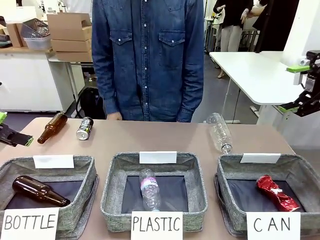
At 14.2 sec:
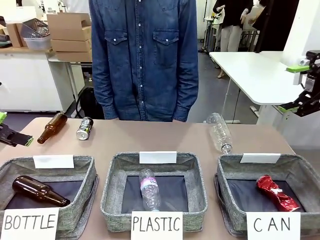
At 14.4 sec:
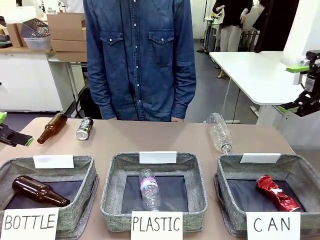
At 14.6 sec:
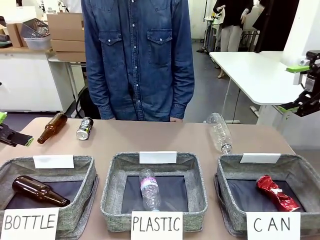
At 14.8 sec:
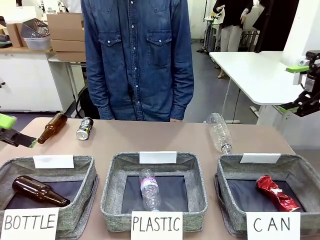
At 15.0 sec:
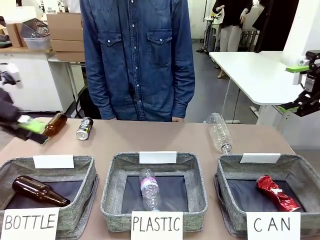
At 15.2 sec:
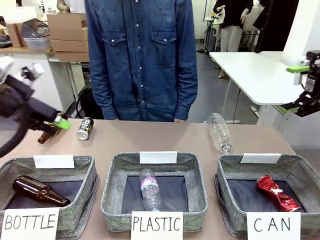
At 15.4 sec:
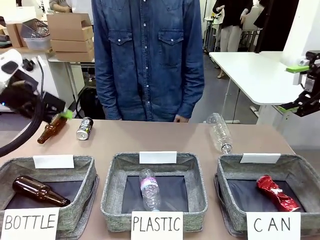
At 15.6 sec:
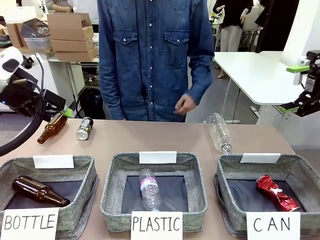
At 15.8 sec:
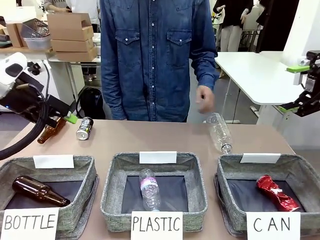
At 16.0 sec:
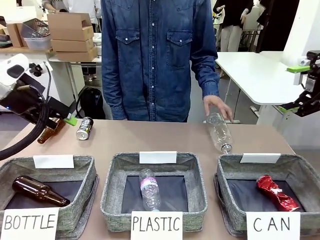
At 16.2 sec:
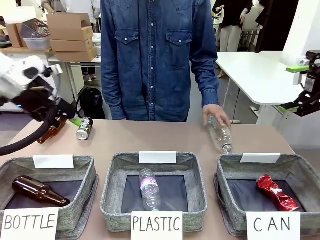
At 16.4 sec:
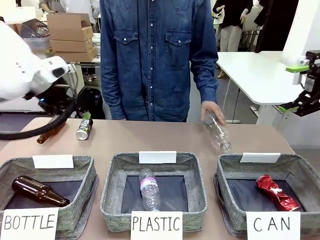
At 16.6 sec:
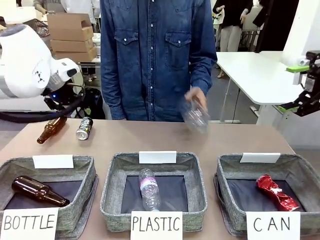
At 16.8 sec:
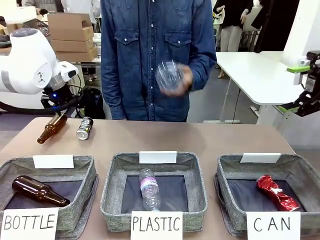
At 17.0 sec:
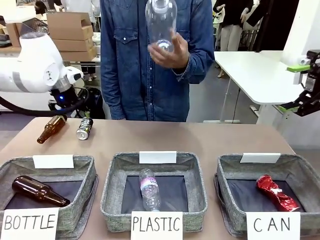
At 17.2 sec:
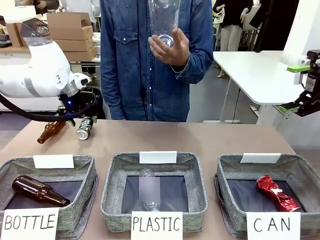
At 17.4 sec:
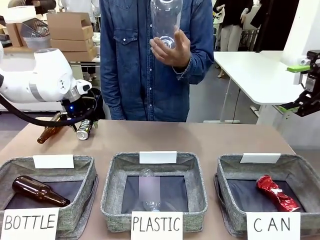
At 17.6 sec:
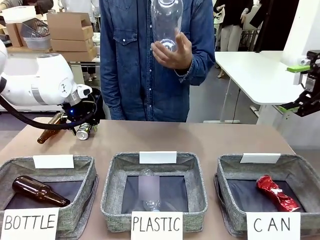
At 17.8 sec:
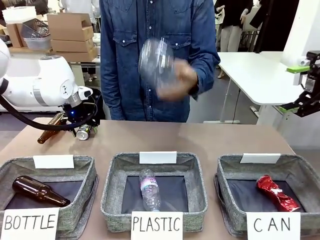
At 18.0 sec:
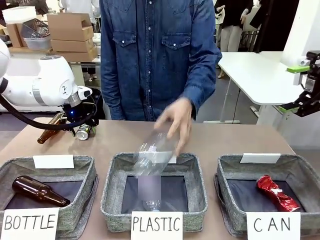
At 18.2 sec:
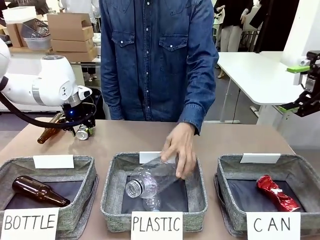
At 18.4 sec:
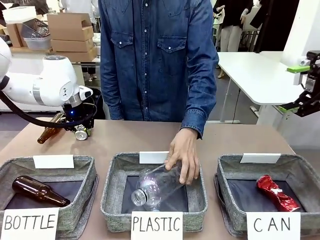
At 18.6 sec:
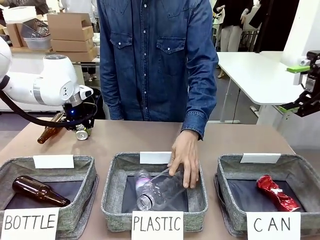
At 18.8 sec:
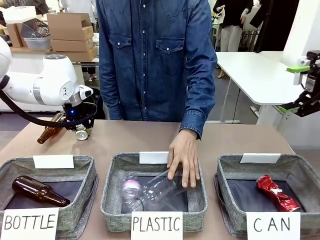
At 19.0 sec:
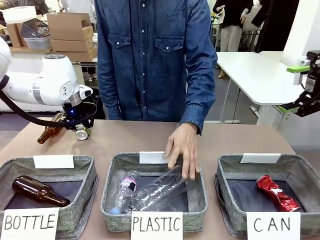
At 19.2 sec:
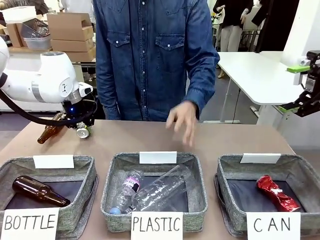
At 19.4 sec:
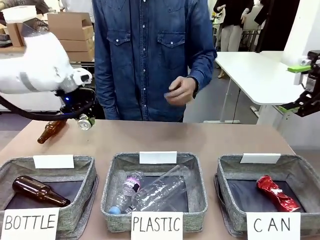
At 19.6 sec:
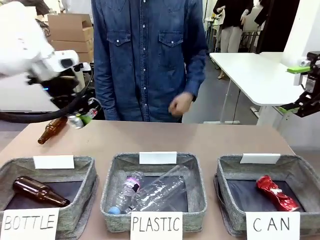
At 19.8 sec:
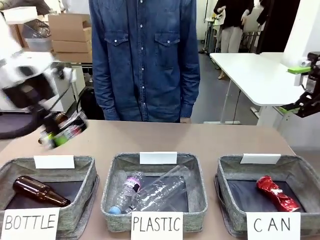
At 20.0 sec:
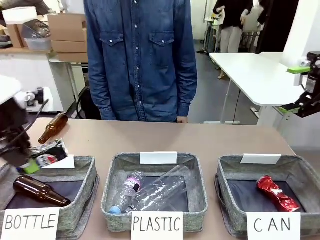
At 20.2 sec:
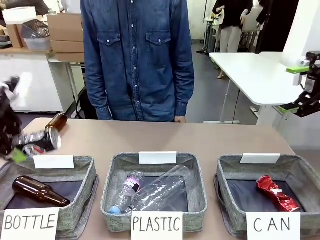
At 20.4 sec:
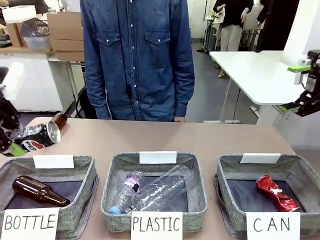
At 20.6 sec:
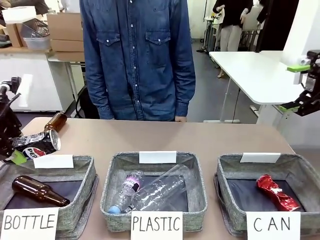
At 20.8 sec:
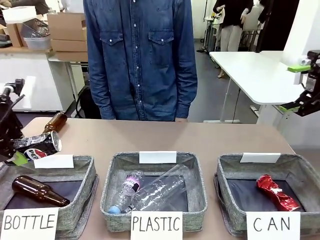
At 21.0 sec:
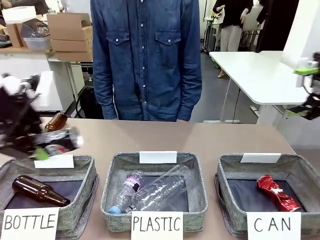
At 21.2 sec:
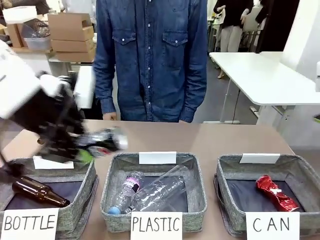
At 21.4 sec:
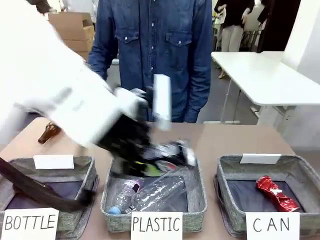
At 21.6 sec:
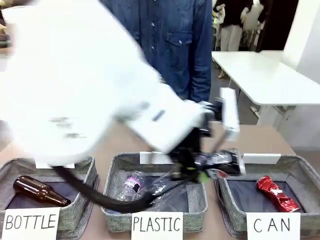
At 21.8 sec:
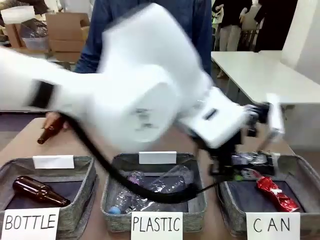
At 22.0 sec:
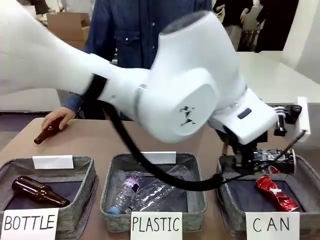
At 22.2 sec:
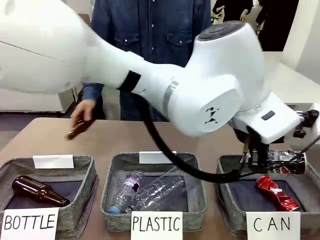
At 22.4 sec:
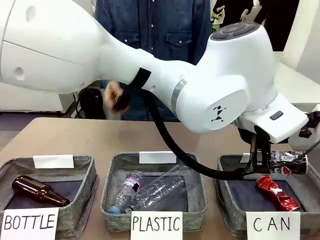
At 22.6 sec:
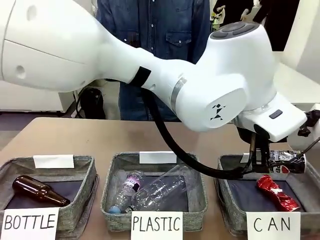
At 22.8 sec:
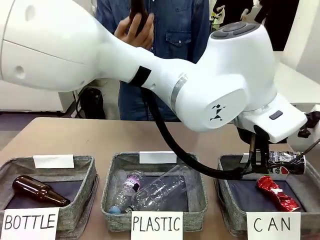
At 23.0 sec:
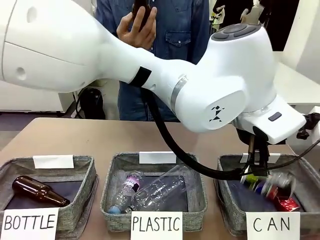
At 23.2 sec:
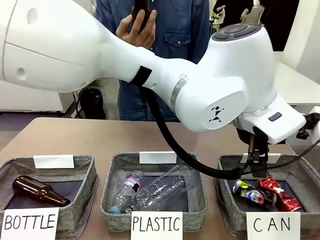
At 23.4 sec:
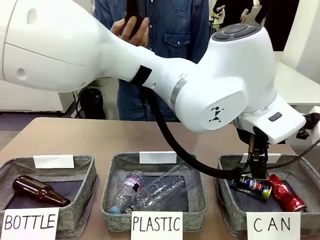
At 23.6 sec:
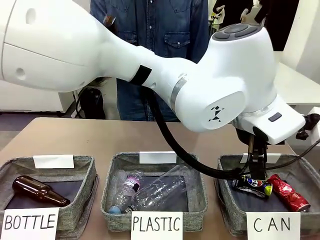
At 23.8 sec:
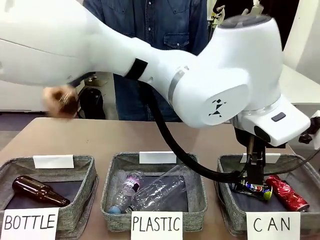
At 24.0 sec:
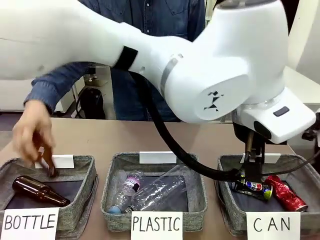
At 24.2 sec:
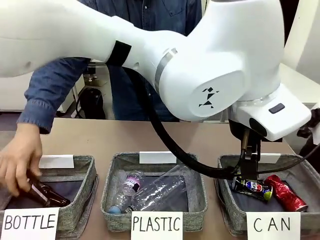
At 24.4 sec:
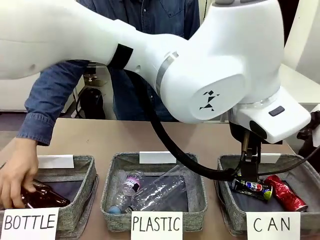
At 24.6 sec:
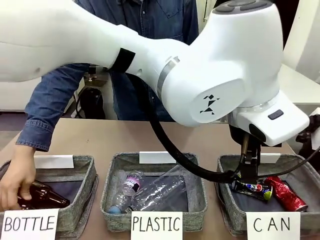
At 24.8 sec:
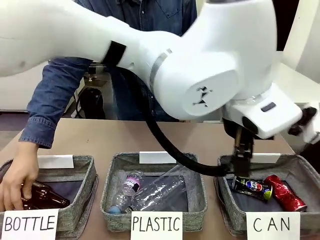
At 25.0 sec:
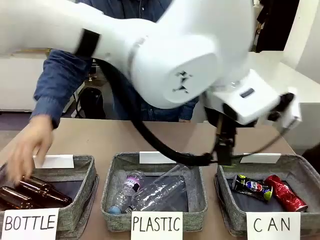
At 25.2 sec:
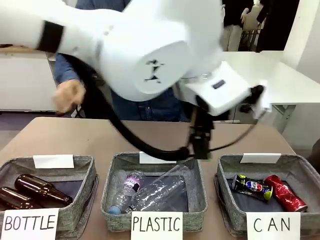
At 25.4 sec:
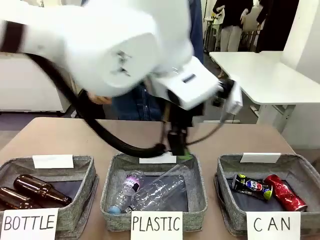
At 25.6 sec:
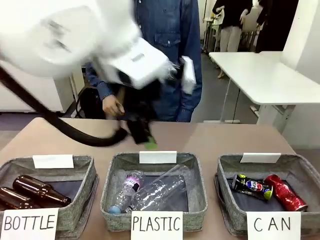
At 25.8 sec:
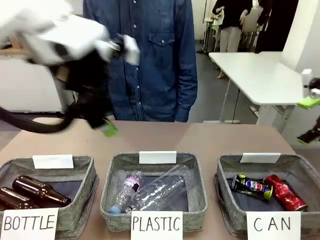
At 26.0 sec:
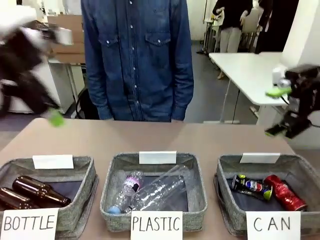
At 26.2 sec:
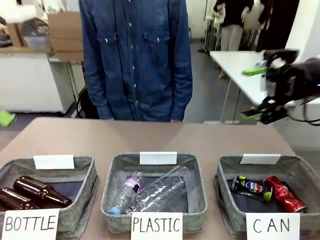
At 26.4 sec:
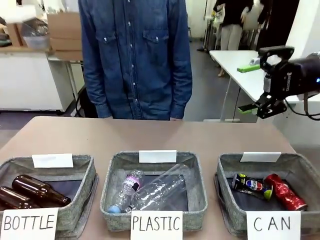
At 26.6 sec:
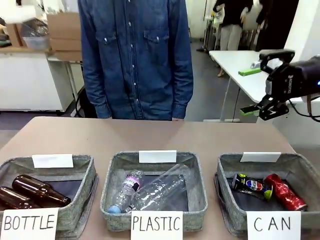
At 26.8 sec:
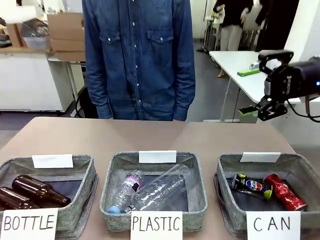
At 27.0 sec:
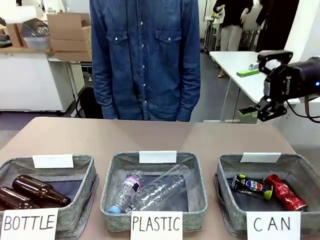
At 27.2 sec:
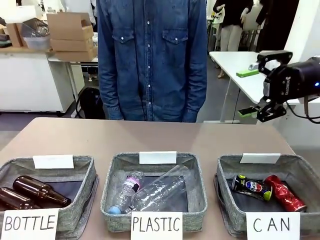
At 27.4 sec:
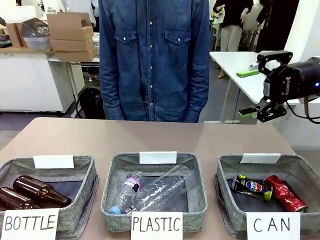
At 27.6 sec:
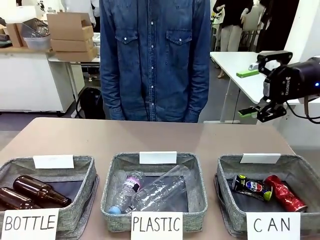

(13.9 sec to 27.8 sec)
Task: Sort the can waste into the basket.
Robot: Pick up the can waste from the table and place it in the right Fabric basket.
